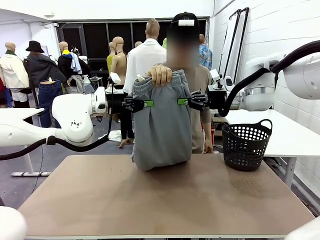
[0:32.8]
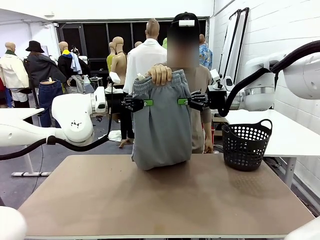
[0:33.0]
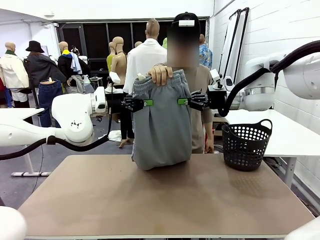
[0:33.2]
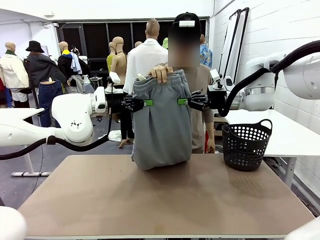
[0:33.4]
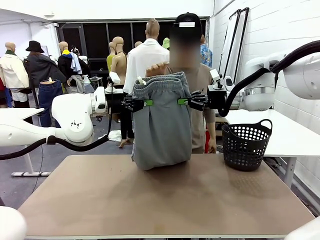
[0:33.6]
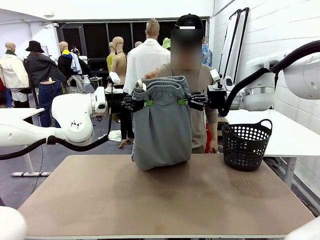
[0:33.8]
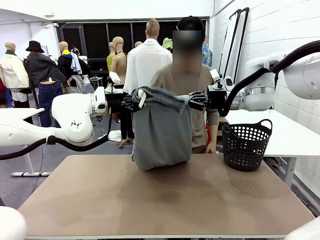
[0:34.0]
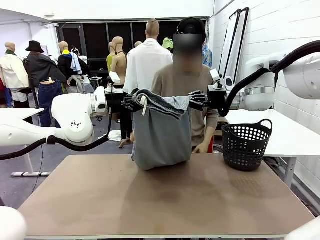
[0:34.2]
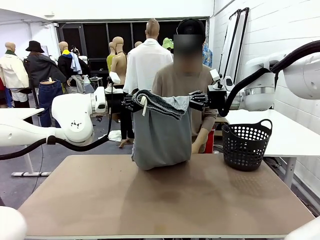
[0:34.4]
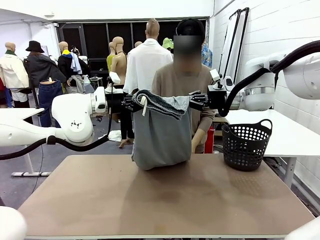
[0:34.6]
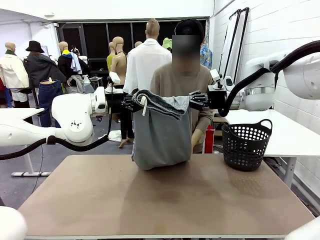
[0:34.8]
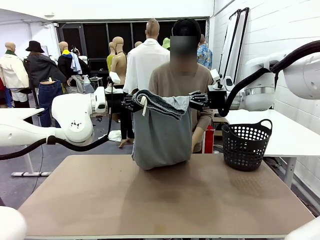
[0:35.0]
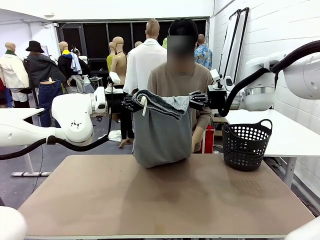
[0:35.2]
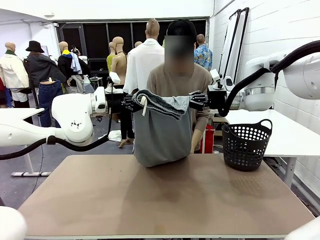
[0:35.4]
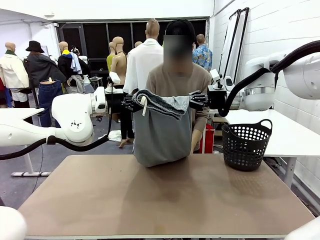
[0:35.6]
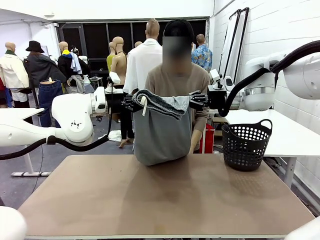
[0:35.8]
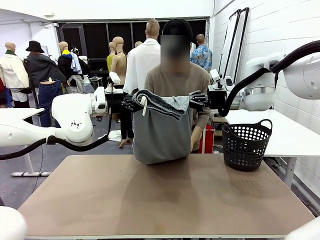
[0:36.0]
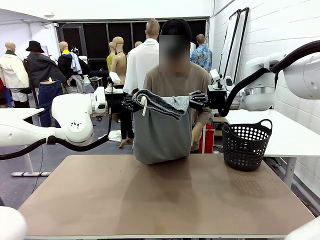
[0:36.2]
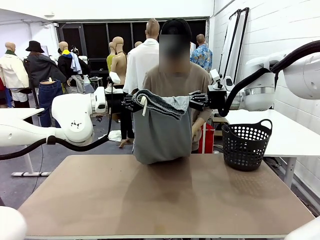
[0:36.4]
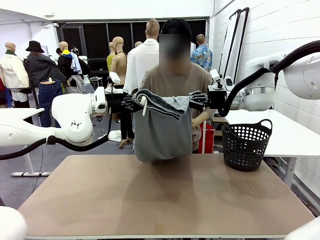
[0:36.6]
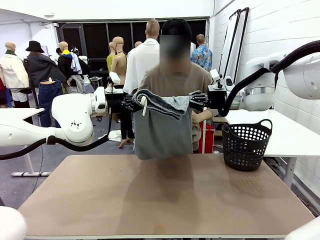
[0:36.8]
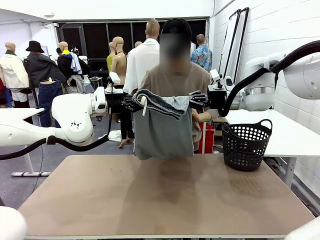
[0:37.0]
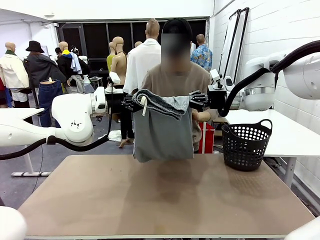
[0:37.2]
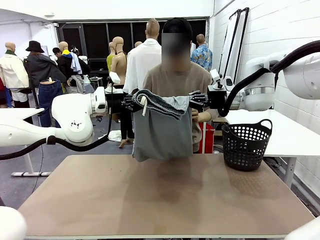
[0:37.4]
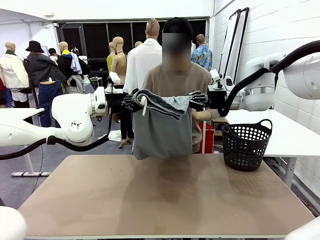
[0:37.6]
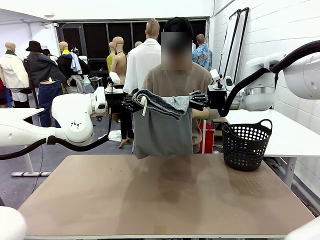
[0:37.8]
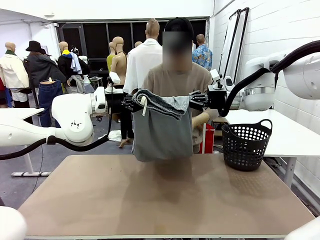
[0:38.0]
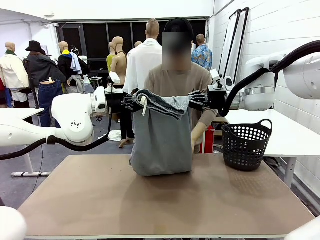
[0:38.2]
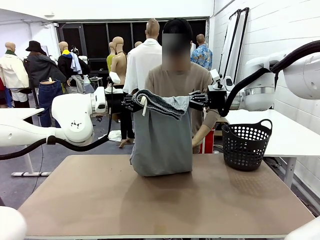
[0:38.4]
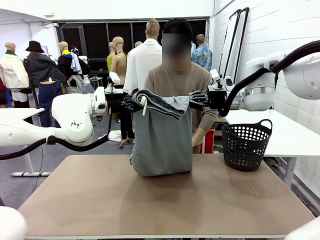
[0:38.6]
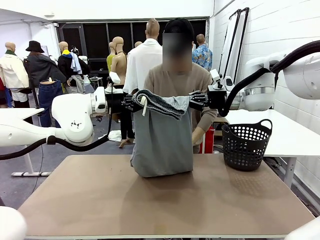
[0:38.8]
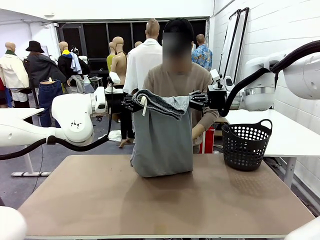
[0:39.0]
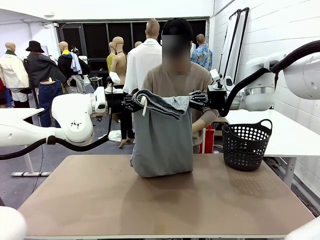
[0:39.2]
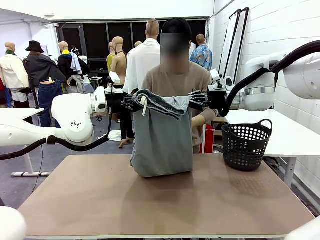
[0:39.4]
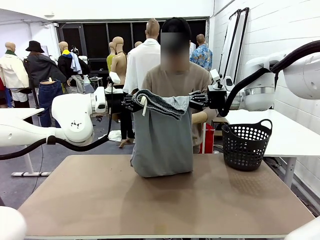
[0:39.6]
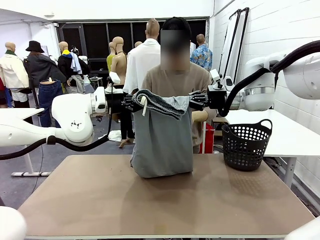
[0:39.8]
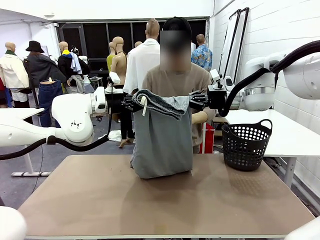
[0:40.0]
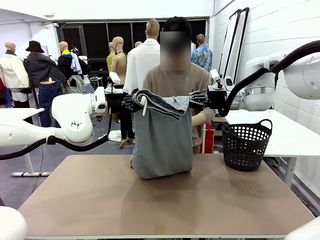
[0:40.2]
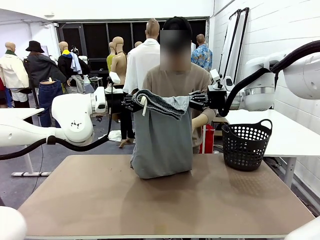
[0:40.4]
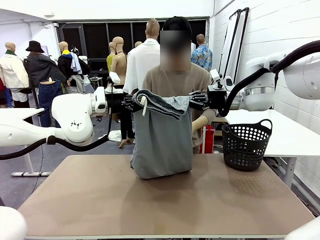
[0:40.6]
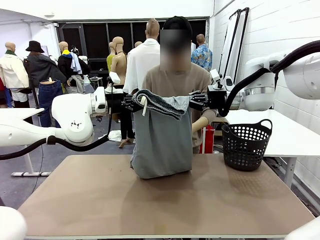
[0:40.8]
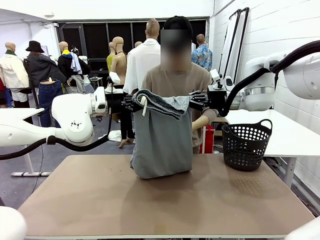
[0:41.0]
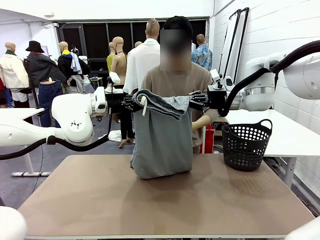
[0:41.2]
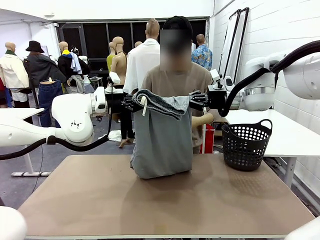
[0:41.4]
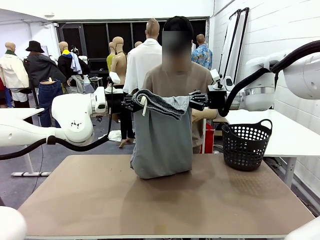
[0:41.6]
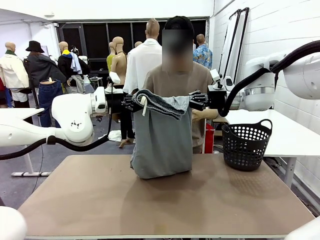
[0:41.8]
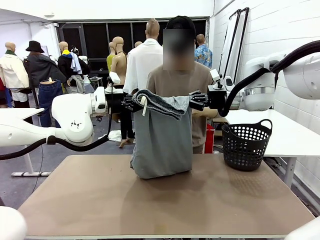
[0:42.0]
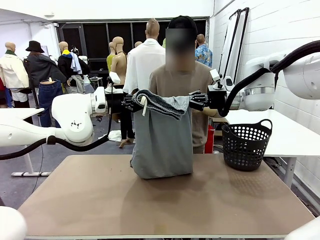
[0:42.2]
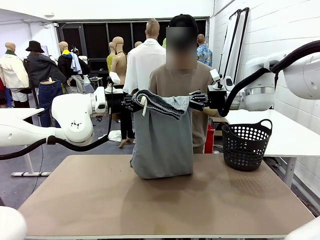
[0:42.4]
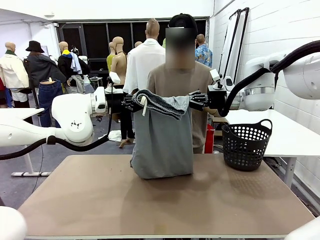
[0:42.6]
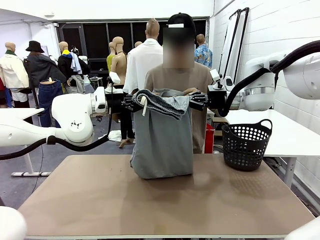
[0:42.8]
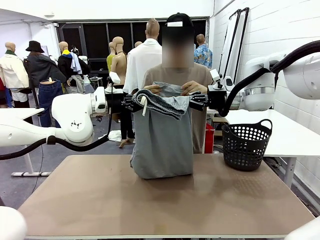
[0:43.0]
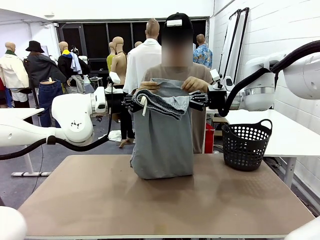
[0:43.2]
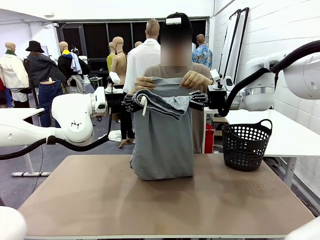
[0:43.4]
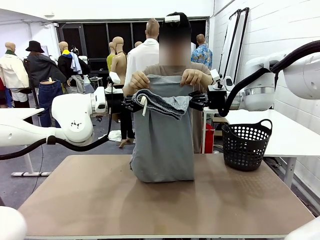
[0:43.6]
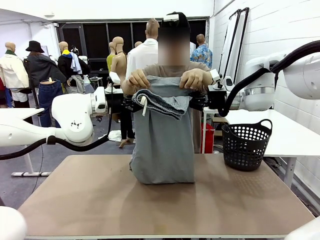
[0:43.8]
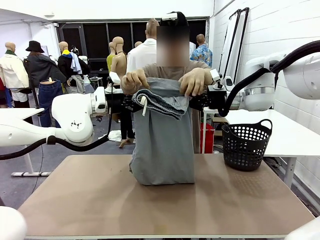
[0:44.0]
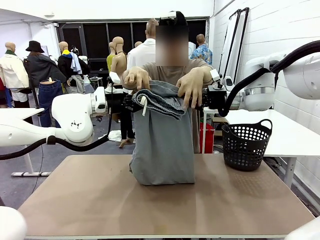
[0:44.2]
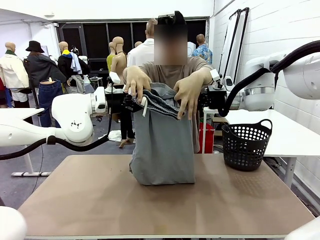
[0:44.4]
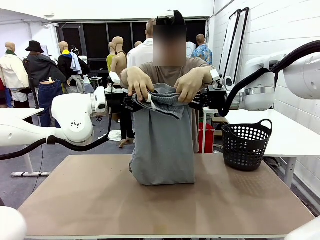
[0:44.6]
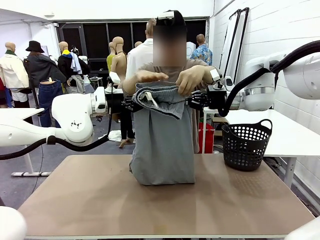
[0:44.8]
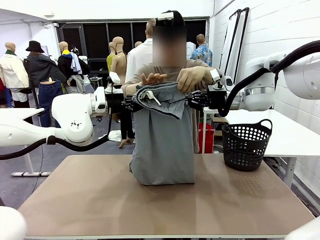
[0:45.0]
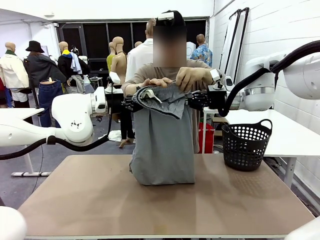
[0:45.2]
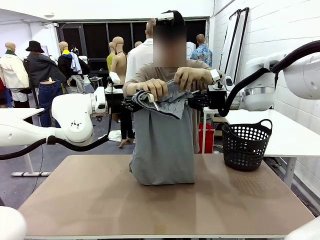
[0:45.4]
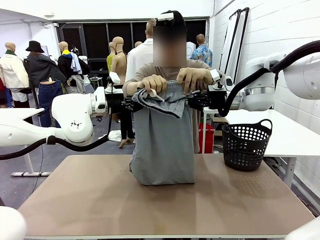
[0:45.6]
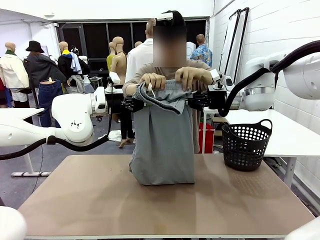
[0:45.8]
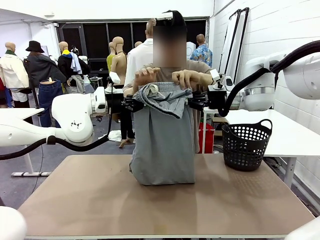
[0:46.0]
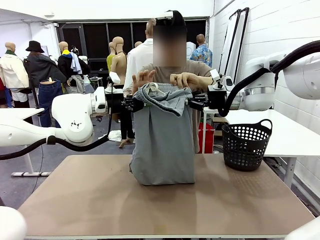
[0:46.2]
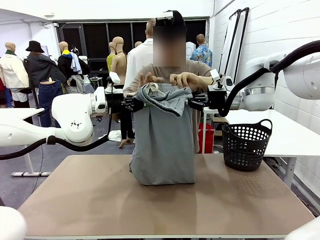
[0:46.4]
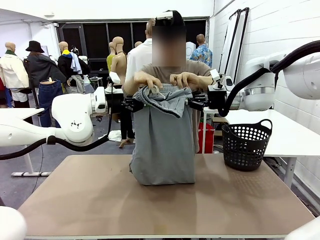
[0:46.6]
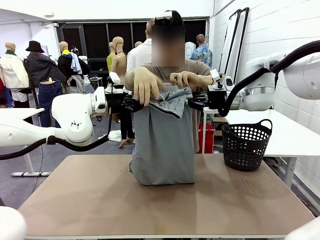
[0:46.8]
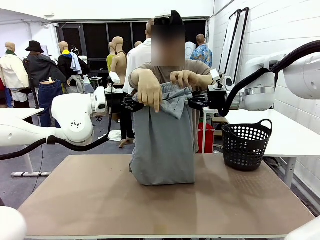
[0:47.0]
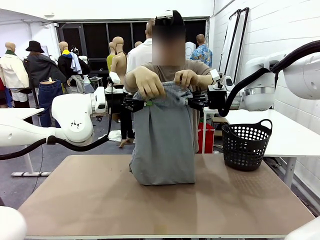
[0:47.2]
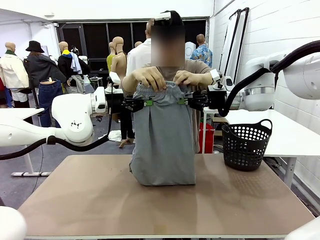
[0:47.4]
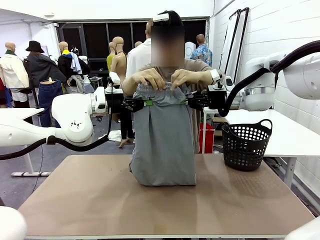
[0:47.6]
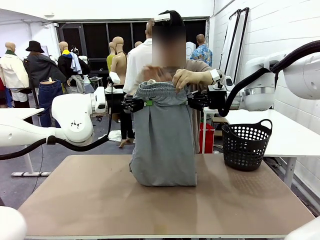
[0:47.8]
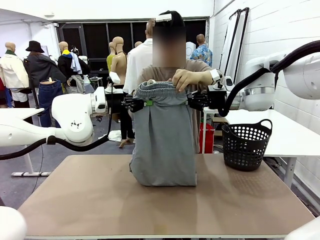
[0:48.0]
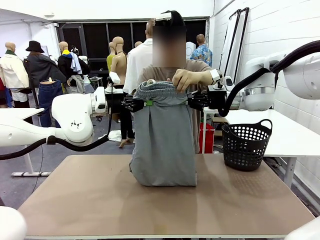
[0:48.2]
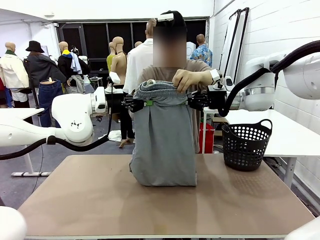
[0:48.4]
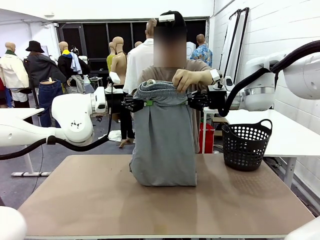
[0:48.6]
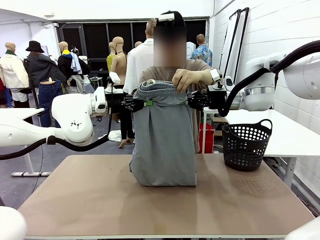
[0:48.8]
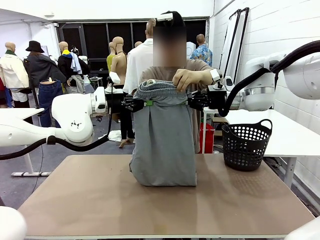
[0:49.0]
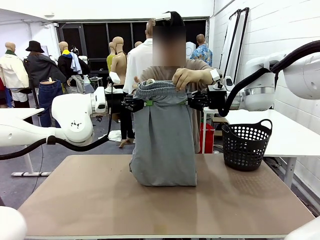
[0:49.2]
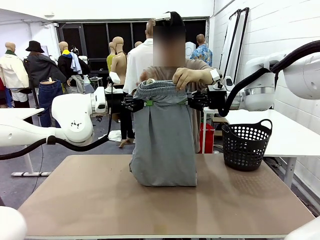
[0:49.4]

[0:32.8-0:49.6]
Task: Fold the training pants.
Robot: Release the ends of the Training pants and then grab the overlapped ends.
Person: Grasp the end opposite the point the robot is holding, fold the pants in half, and then grasp the overlapping top end of the folded pants.
